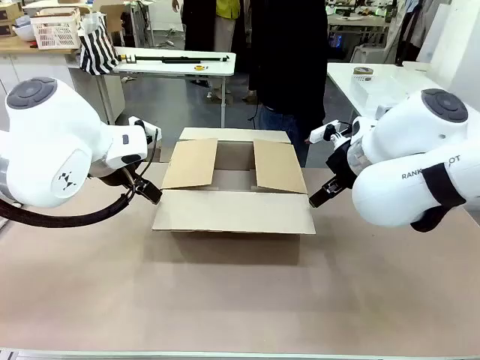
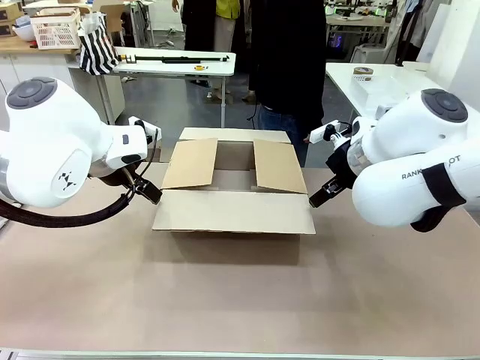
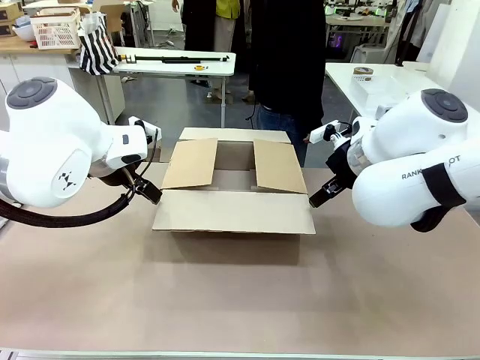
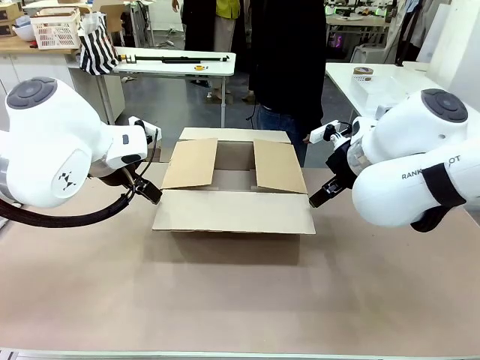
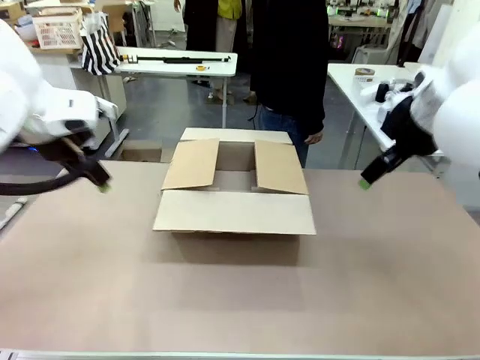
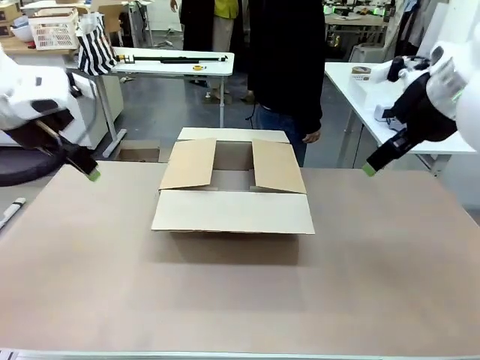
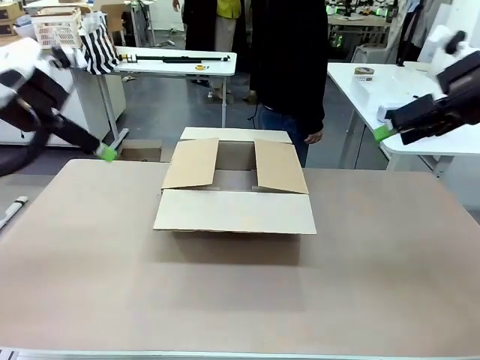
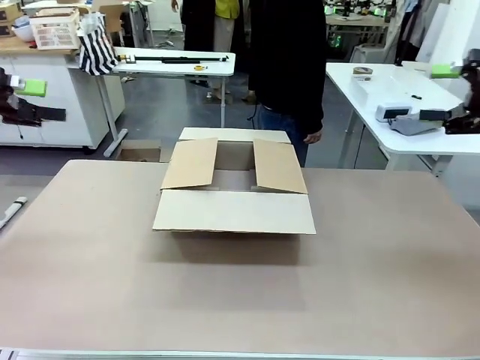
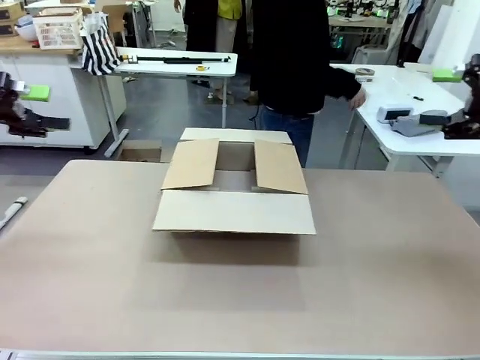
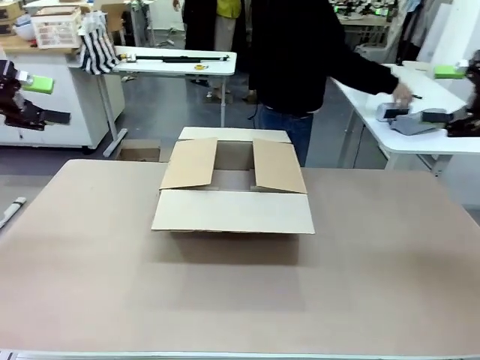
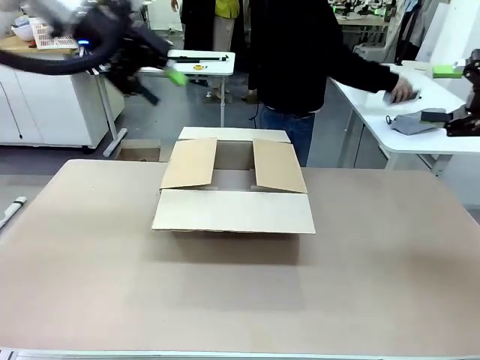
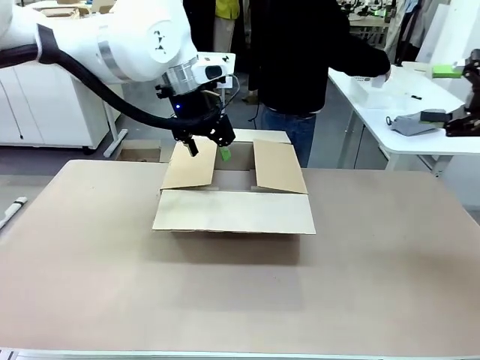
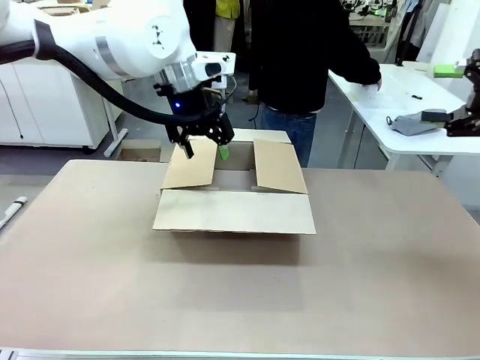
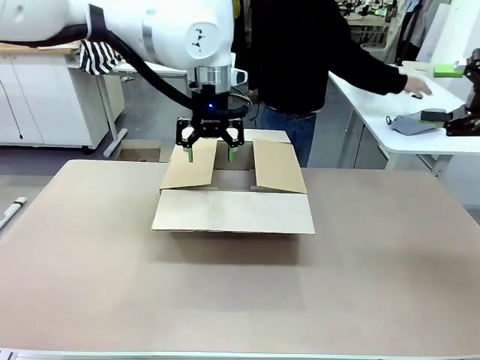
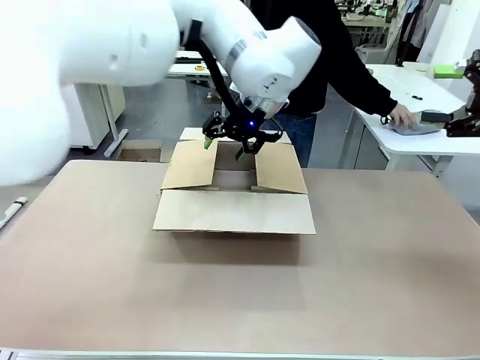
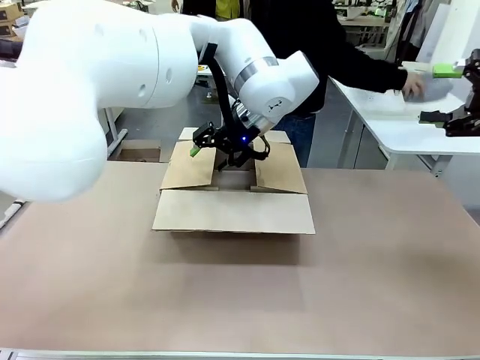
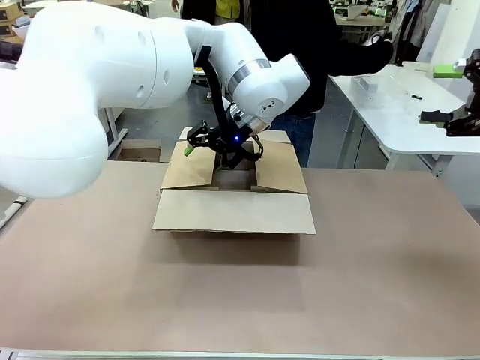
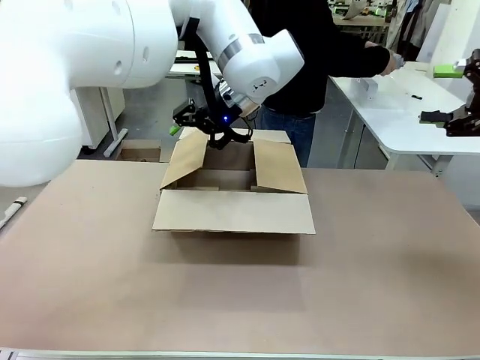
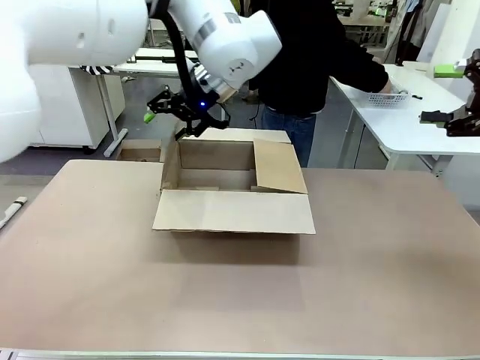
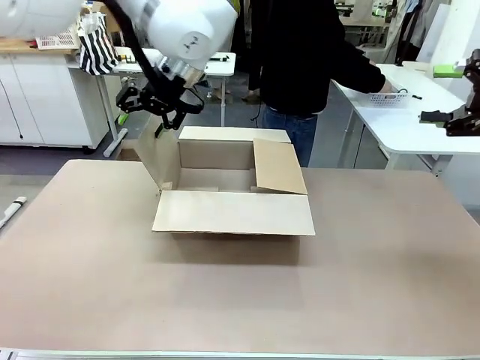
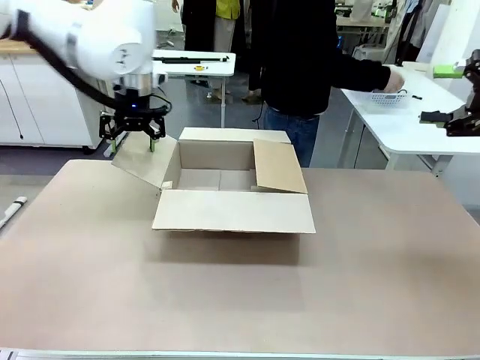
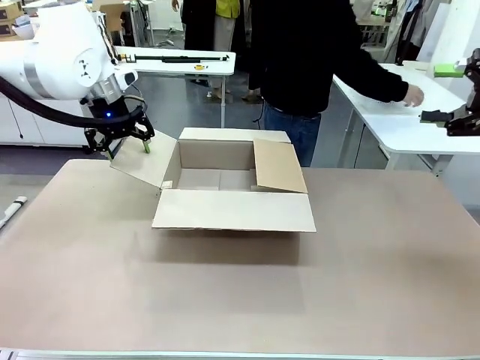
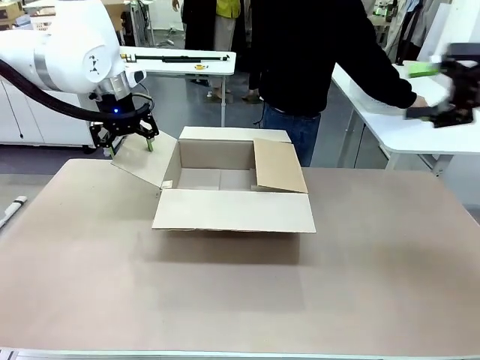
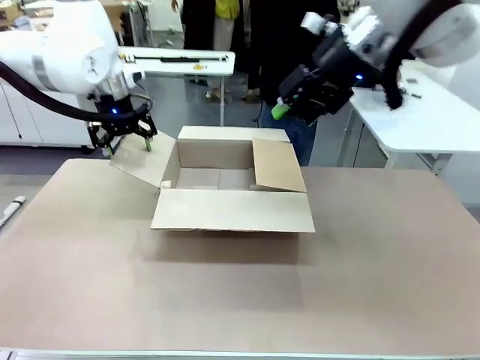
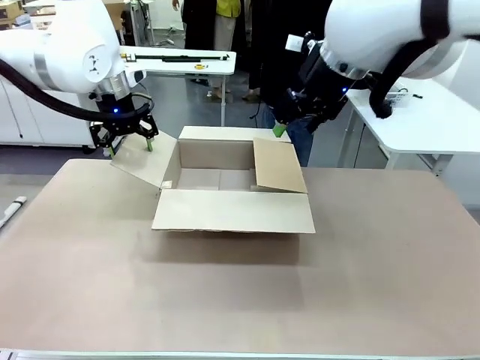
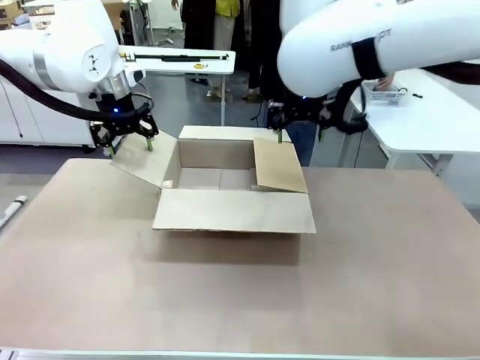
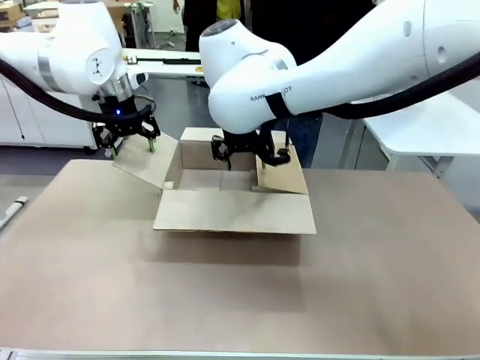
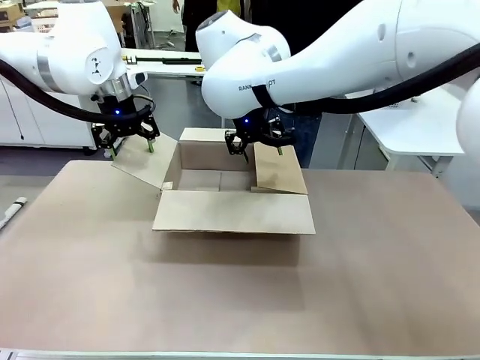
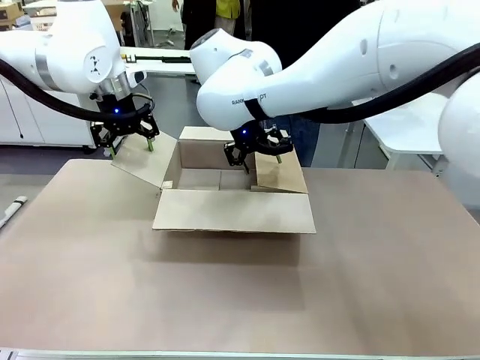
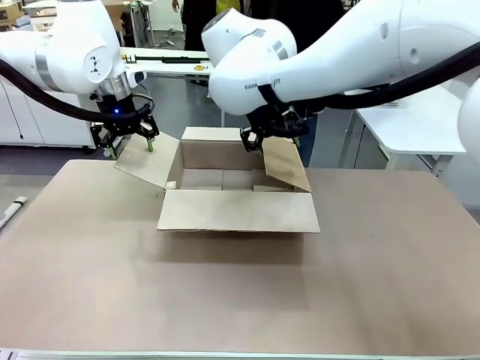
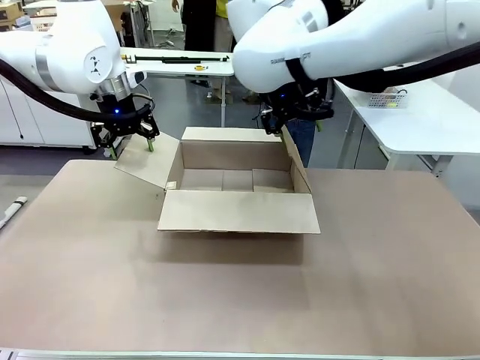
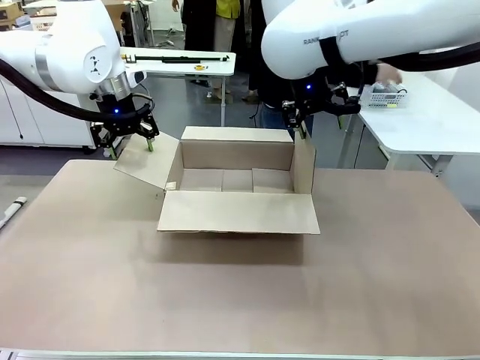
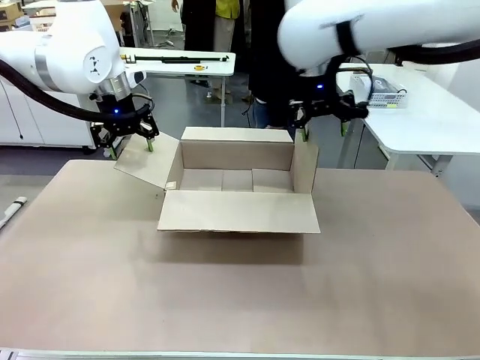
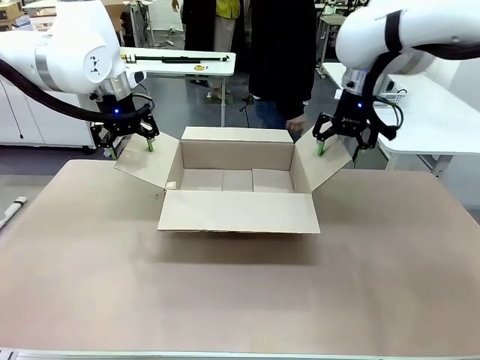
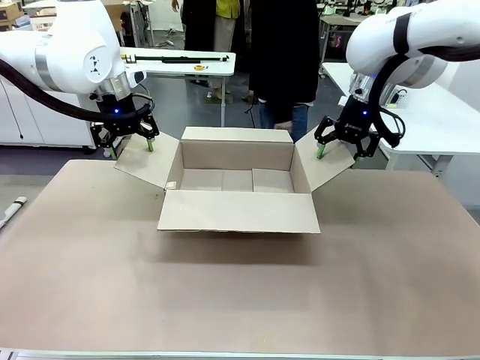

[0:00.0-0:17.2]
Task: Pack the gift set into the box.
Robot: Place both hands on the side flaps of the Package Box and spread them outward.
Person: The human places all items except the paper tape into the organizing basket.

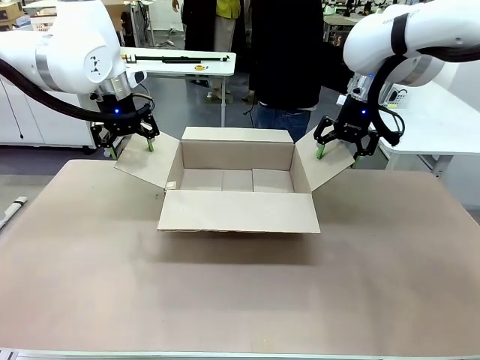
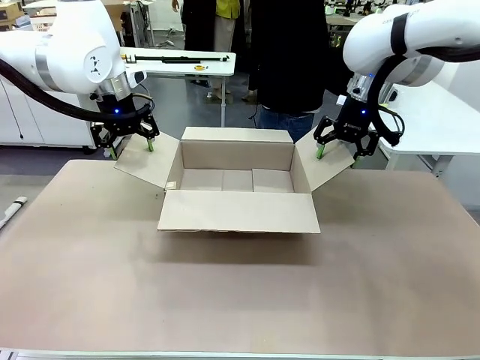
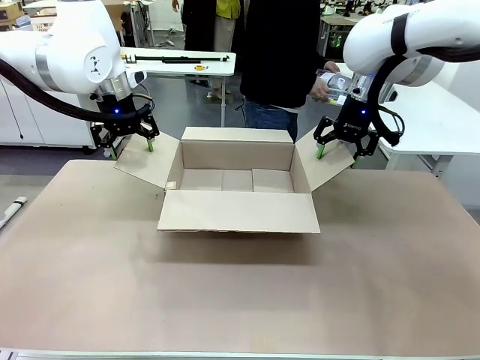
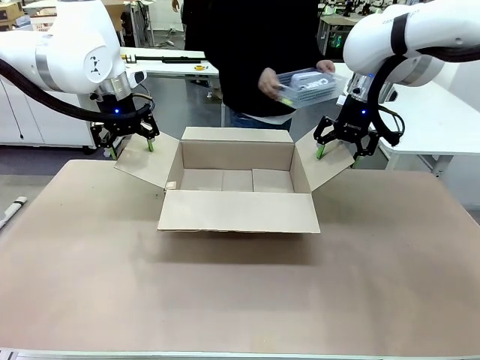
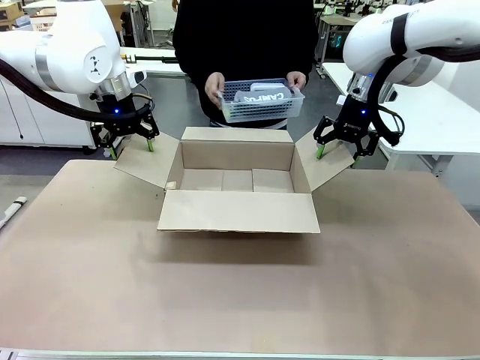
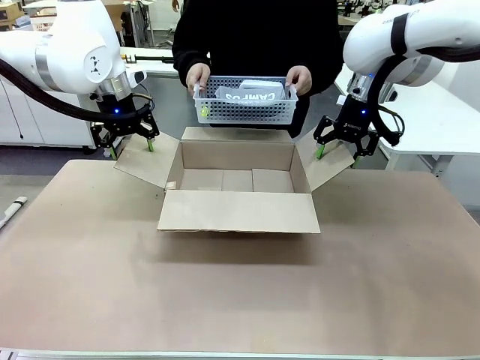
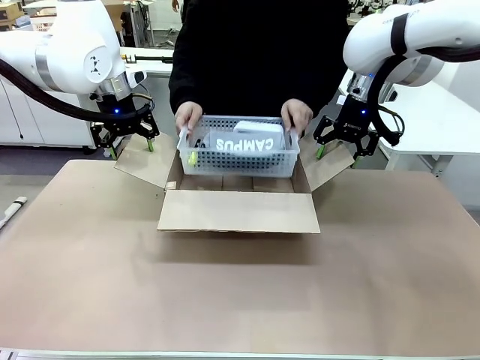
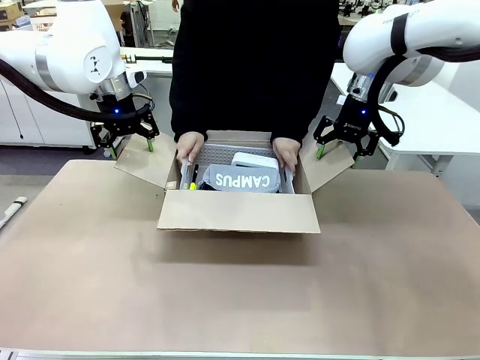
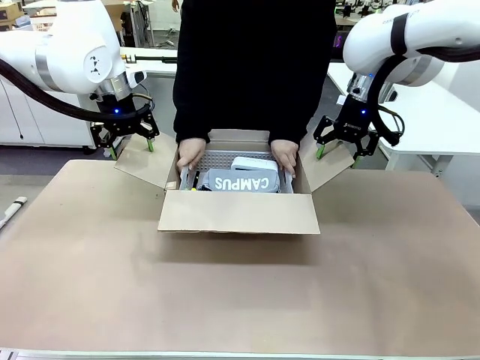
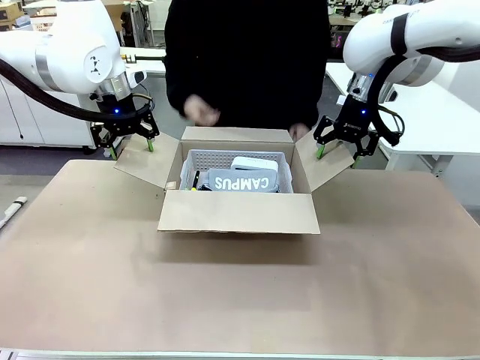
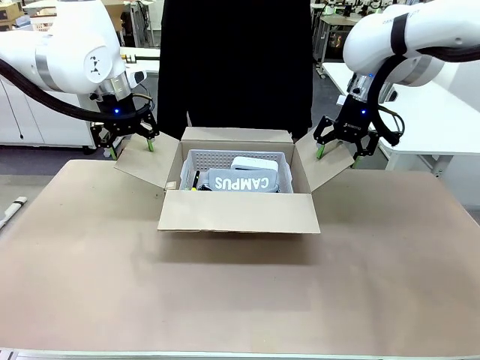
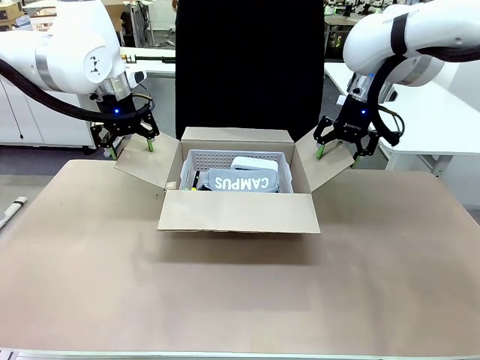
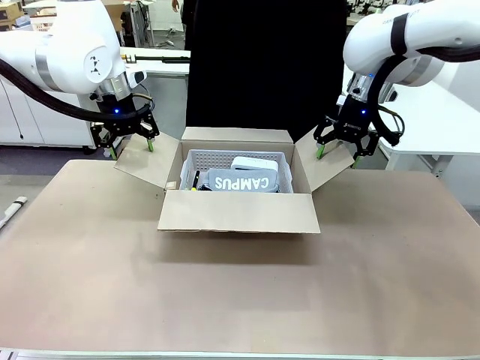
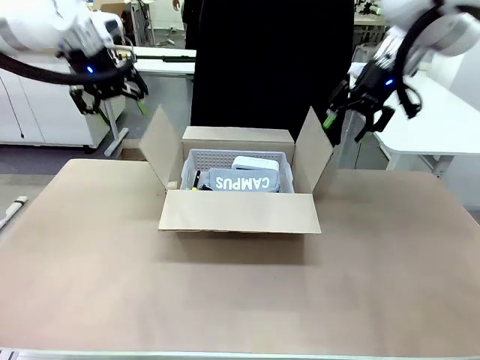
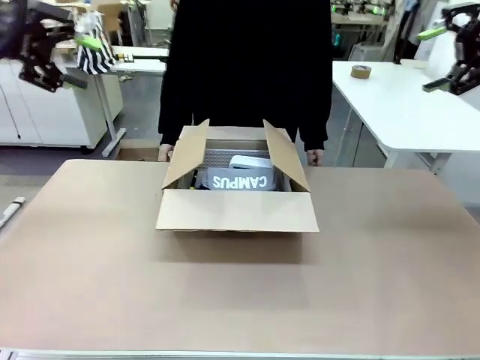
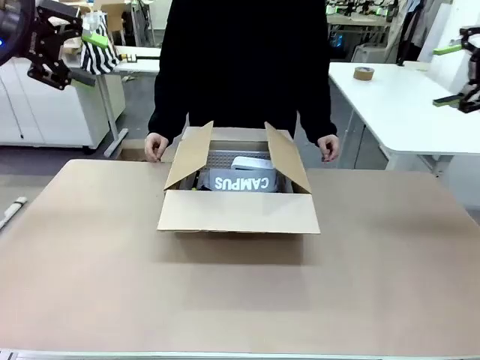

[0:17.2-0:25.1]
Robot: Lift both hands away from the flaps of the Package Box.
Person: The human picks up the organizing basket and places the organizing basket into the package box on the robot table.
